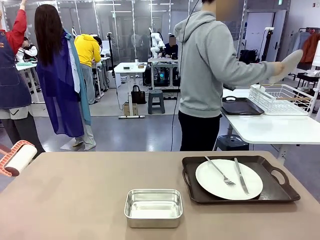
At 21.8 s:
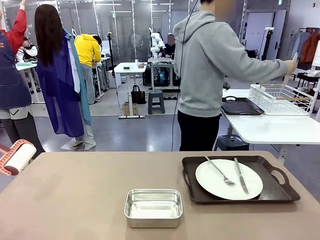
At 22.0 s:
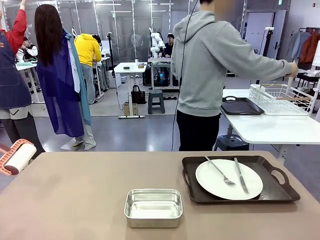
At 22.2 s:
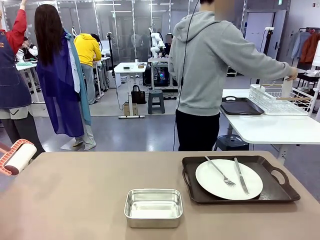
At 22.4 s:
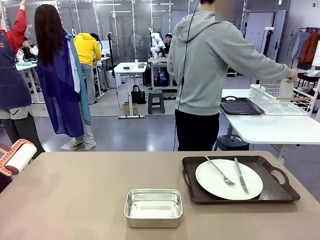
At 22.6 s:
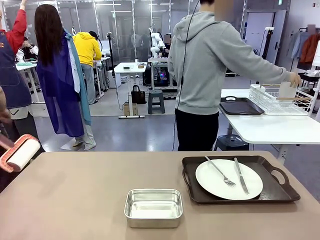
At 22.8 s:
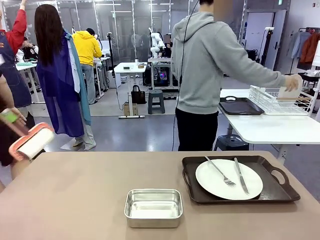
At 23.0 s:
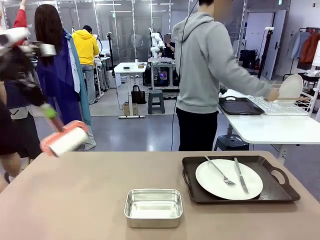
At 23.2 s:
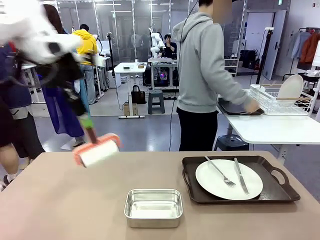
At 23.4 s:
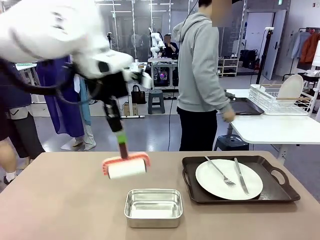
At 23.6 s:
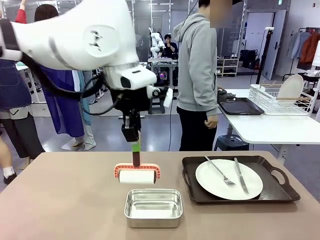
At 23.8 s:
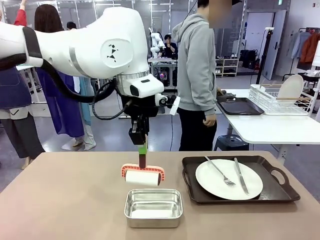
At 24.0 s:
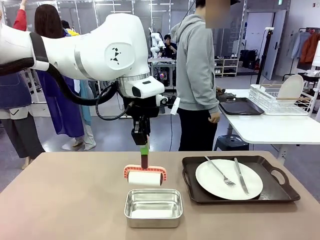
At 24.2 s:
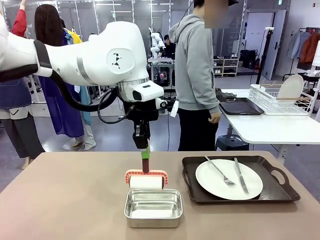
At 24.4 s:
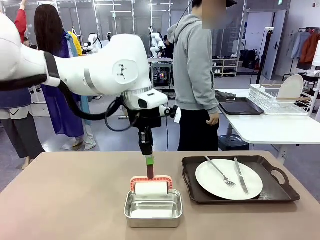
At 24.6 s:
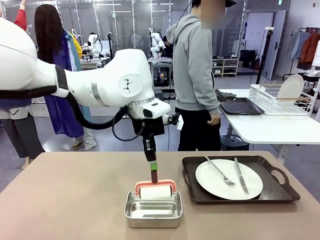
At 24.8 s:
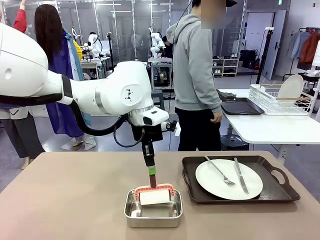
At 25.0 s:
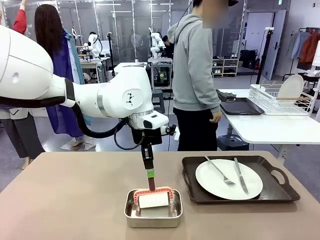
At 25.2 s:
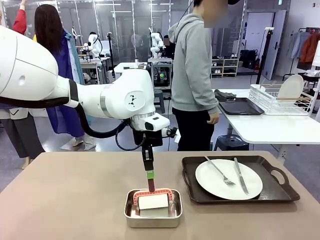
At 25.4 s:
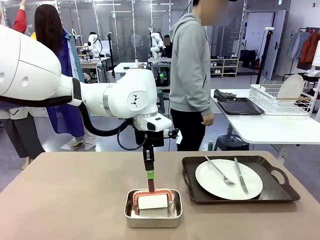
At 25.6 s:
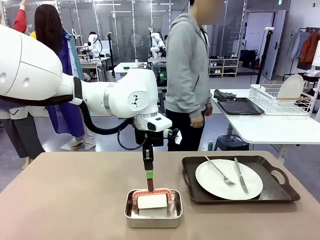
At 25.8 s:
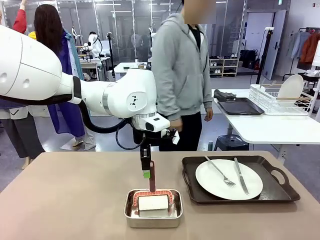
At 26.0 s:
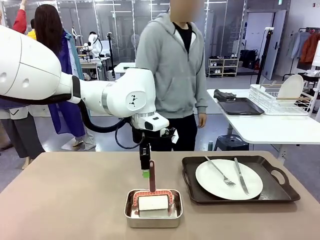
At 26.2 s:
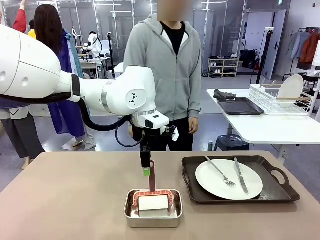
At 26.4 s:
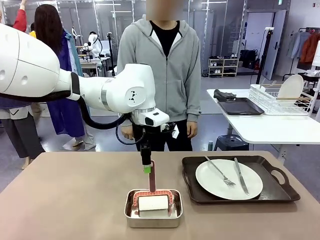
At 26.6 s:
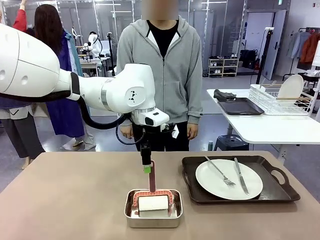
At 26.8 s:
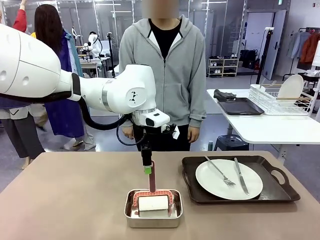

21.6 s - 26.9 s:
Robot: Place the Lint Roller back on top of the Airtight Container.

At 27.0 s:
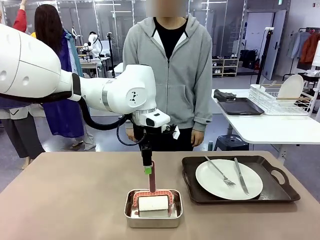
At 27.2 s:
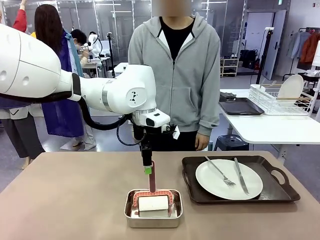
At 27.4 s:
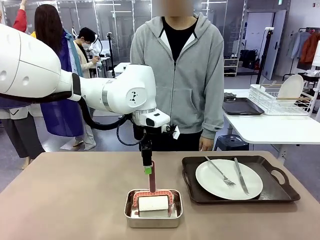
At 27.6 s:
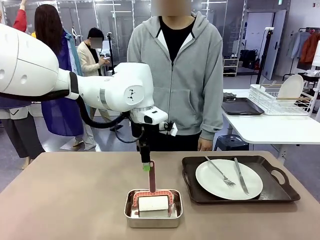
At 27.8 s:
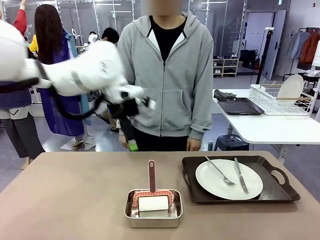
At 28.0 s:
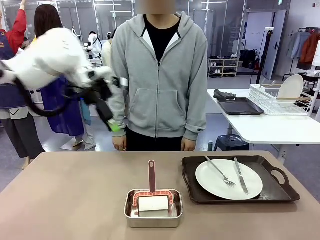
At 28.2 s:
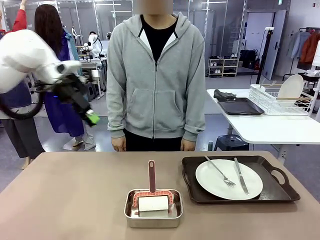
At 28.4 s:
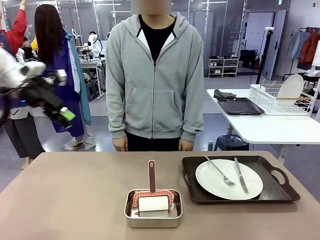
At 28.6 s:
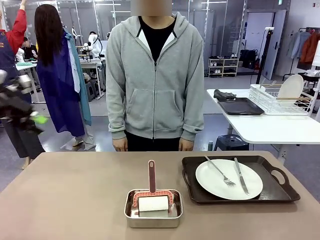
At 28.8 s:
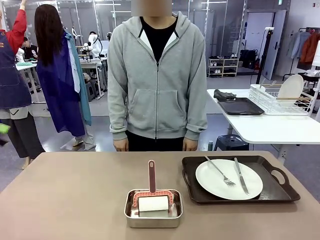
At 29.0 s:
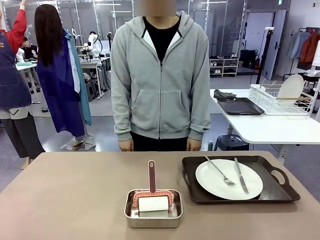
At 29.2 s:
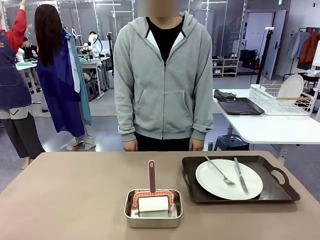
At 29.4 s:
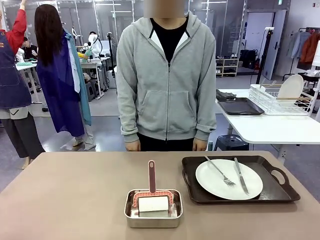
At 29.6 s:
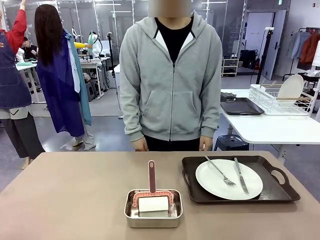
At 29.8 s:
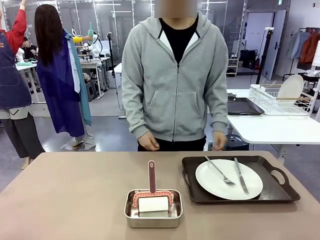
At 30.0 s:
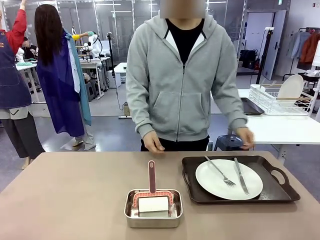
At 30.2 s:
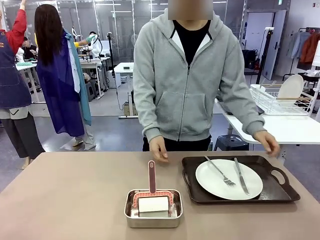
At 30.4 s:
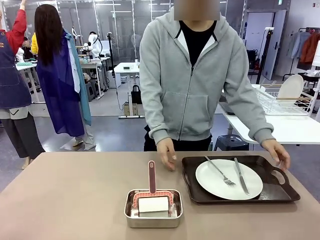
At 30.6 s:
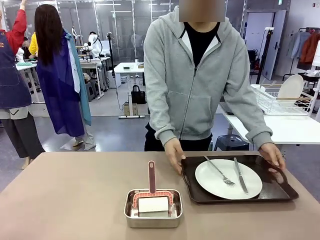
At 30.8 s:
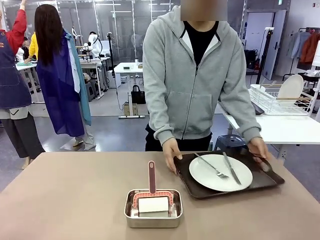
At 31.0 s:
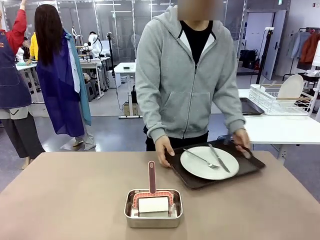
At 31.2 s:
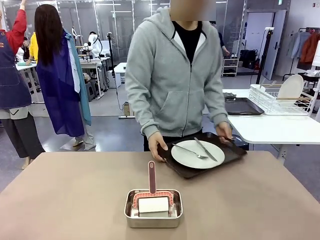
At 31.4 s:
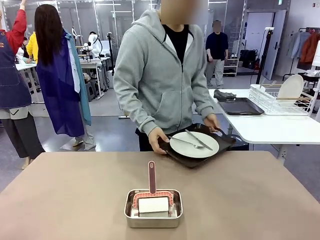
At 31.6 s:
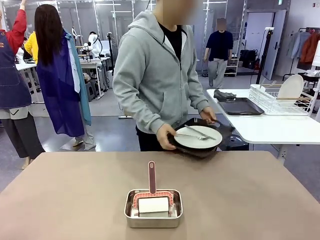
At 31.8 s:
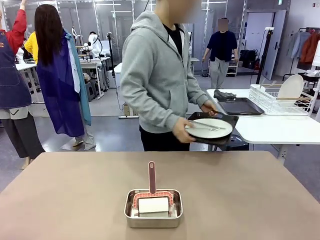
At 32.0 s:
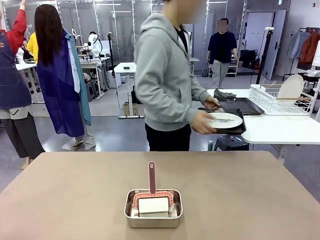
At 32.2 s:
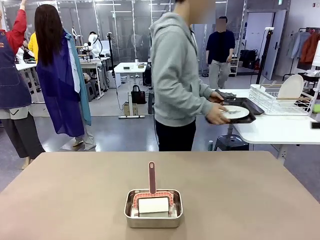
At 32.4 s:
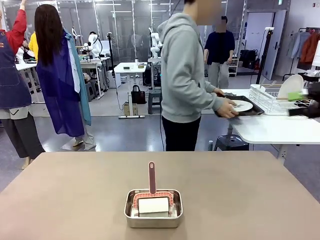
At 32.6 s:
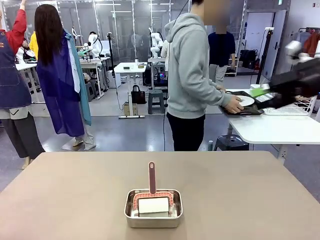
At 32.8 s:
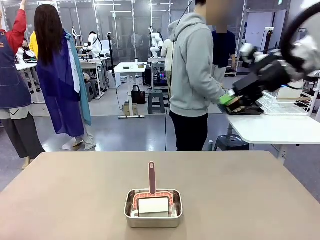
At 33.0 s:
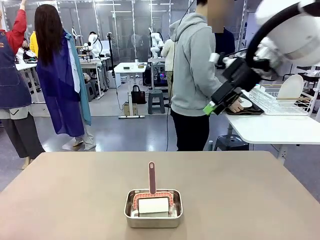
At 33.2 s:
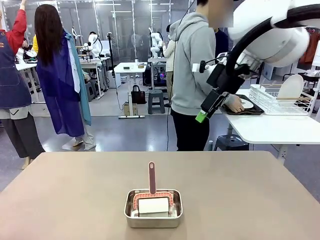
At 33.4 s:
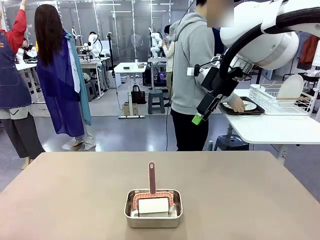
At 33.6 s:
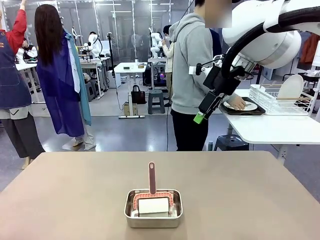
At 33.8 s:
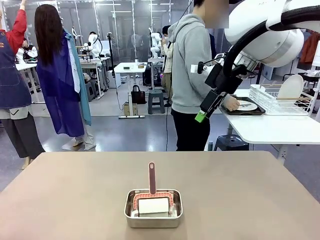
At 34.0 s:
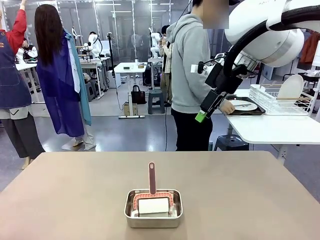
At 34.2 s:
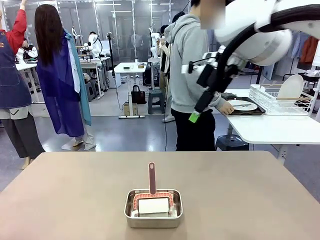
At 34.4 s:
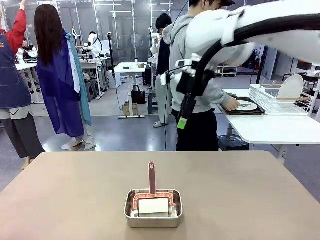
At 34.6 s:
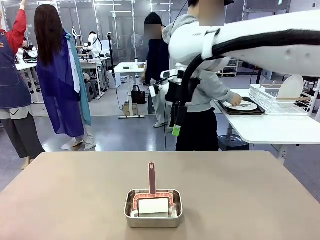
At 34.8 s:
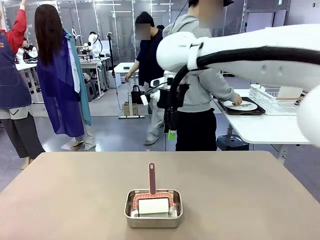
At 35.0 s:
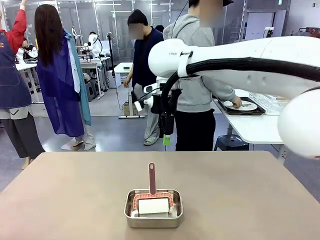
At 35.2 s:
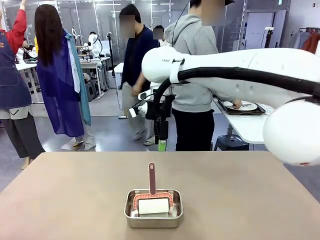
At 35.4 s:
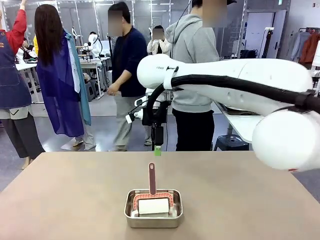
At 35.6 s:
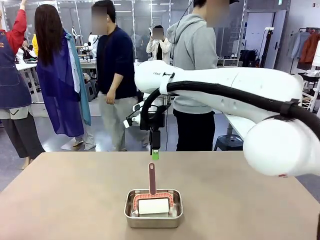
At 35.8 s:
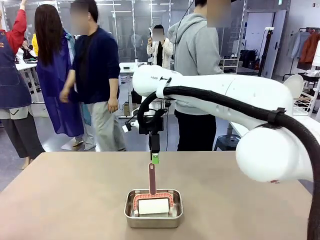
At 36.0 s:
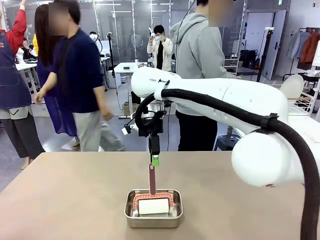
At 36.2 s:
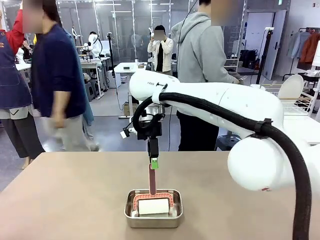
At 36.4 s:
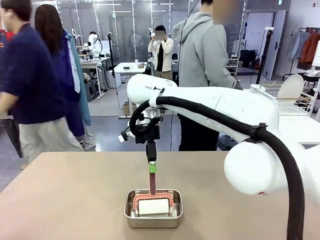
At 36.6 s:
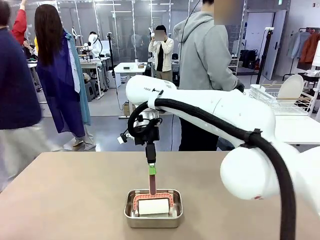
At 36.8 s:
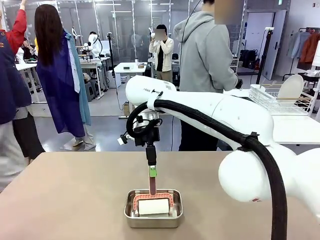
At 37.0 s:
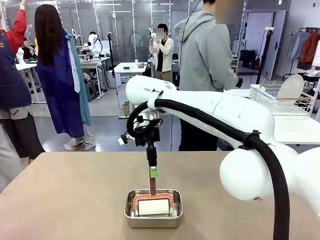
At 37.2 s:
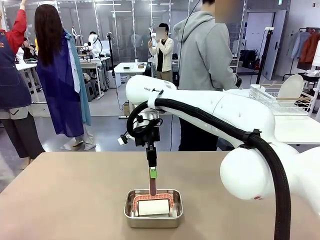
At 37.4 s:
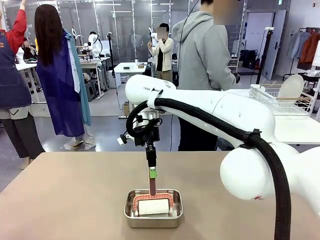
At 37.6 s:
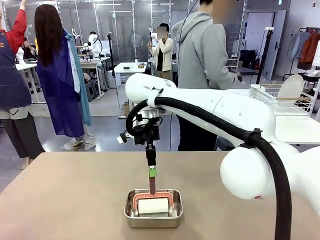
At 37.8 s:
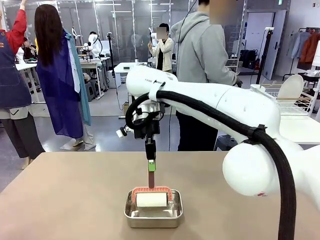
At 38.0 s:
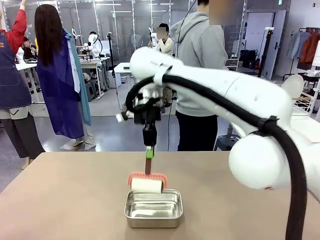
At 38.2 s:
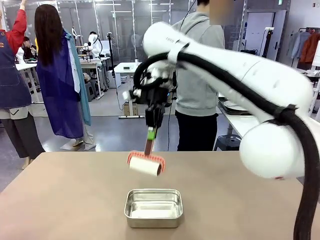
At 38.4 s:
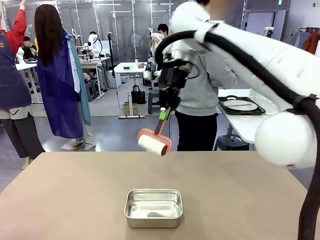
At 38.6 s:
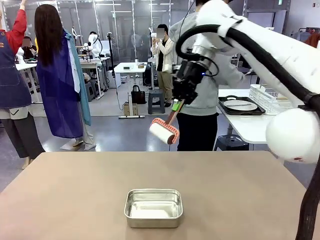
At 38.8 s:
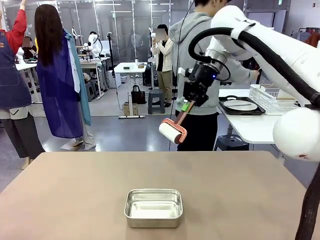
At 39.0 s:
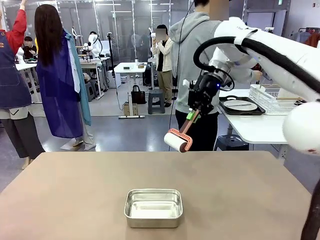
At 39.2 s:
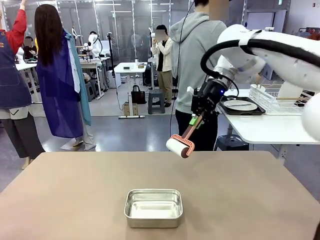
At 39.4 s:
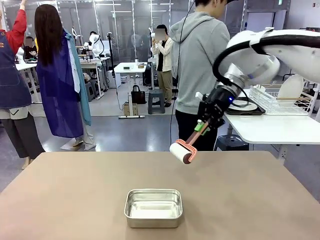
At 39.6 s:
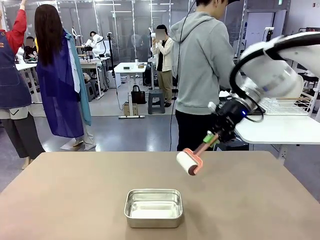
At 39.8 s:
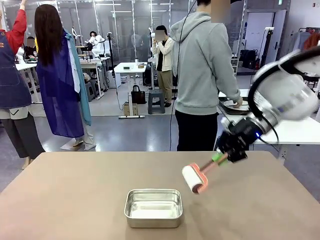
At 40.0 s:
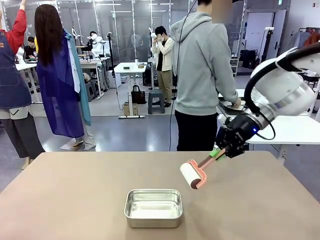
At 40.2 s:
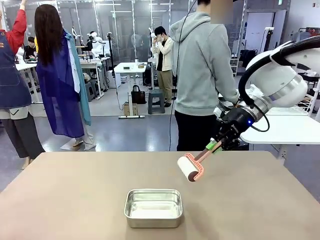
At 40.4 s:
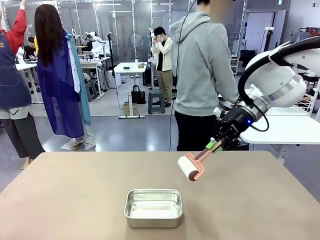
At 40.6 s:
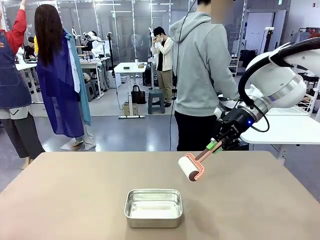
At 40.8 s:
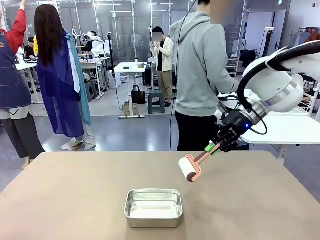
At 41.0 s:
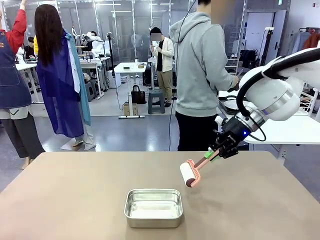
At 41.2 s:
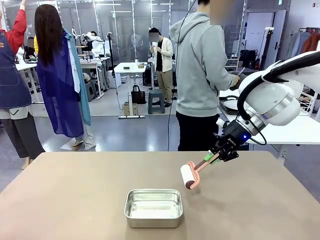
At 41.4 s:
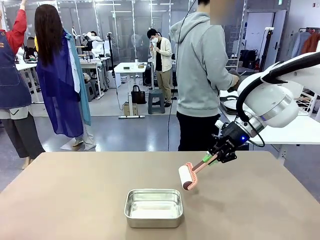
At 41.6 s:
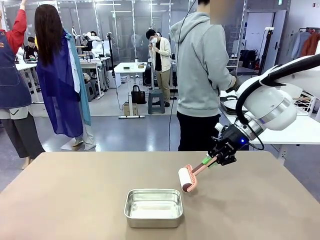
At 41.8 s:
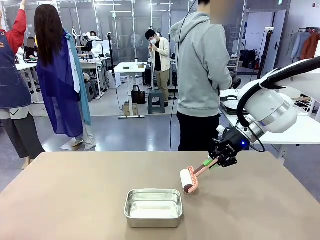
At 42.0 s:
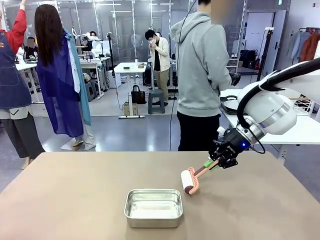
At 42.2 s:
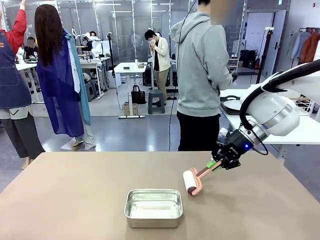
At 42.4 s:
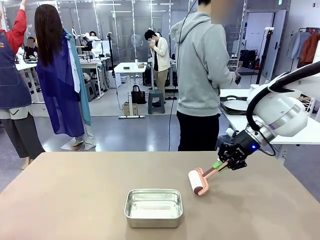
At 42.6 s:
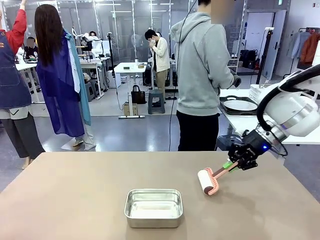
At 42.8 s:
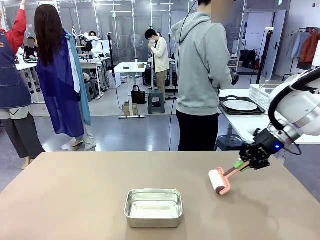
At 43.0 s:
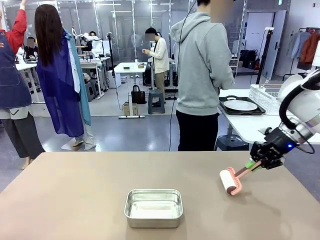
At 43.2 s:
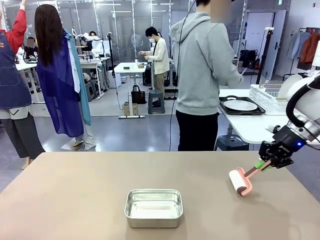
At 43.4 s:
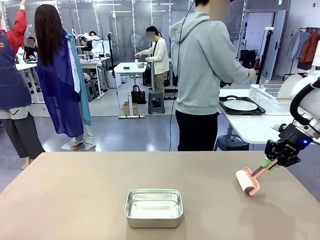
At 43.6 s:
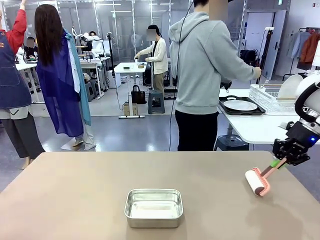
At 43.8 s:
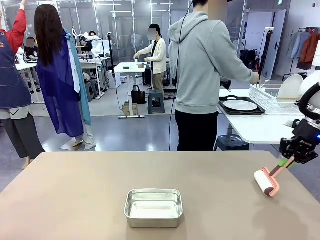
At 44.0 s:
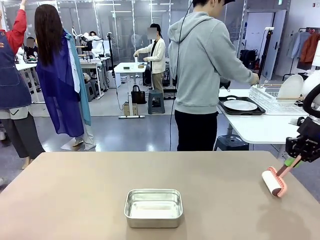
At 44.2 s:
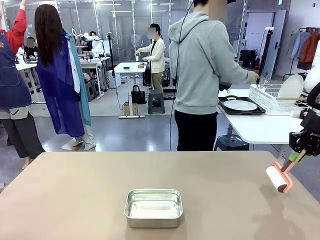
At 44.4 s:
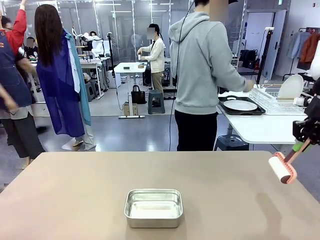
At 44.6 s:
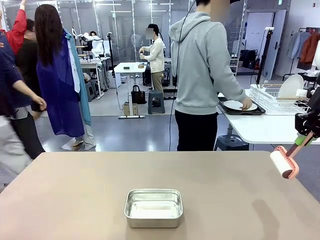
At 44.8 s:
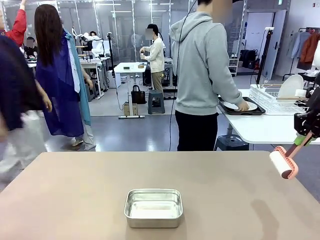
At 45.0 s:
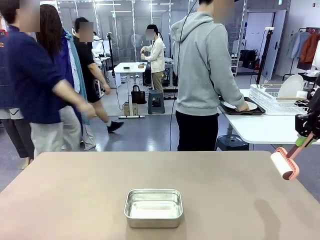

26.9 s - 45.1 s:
Robot: When the right (or left) Handle tray is removed, use the right hand (or left hand) to clean the right (or left) side of the table with the Lint Roller.
Person: Pick up the left (or right) Handle tray and place it on the Handle tray.
